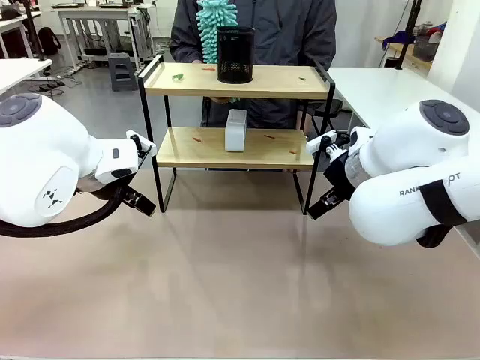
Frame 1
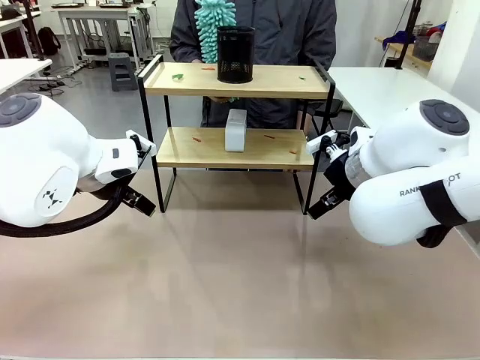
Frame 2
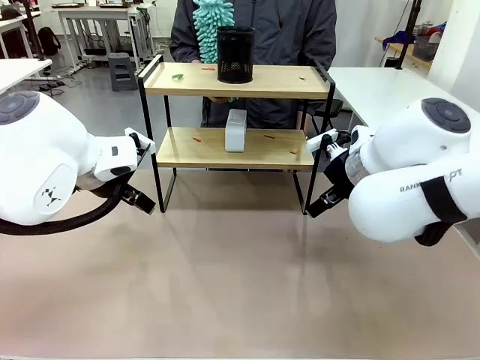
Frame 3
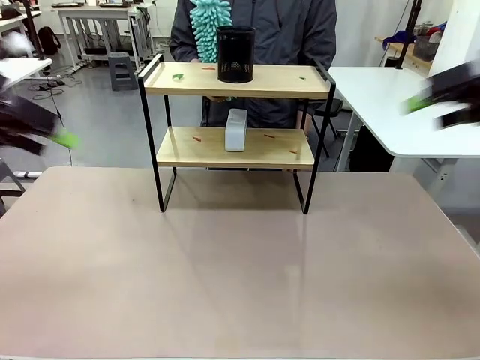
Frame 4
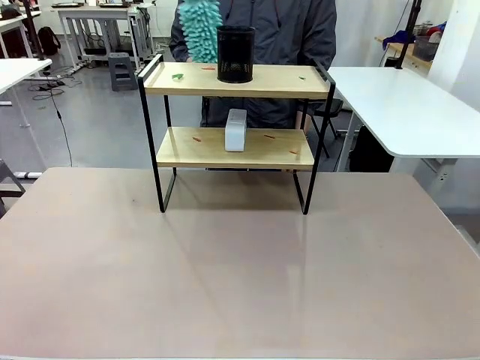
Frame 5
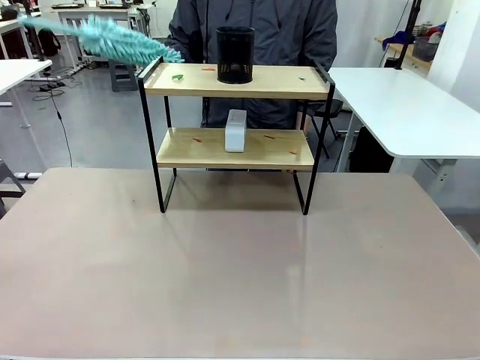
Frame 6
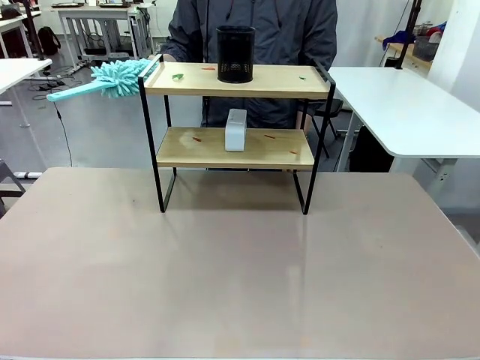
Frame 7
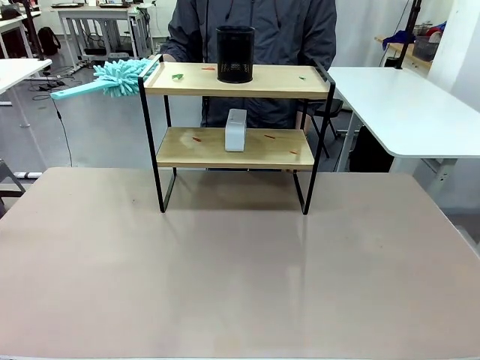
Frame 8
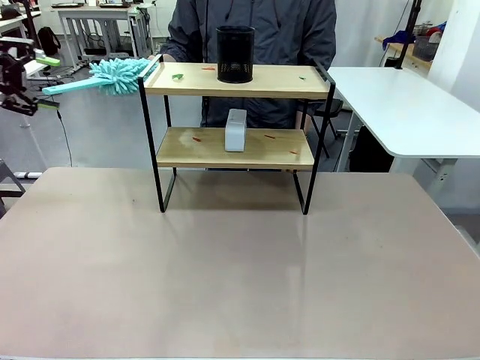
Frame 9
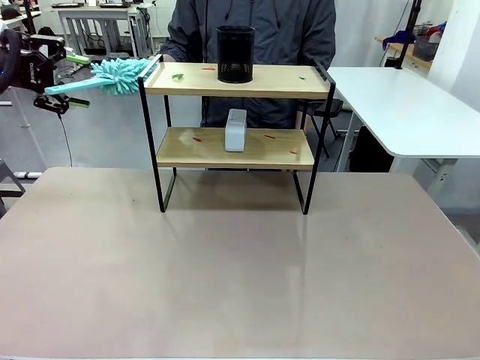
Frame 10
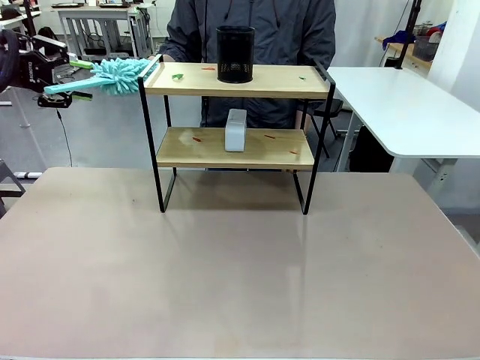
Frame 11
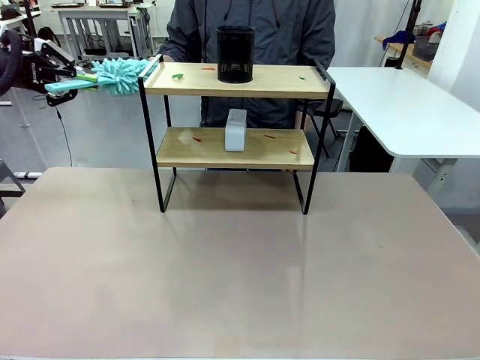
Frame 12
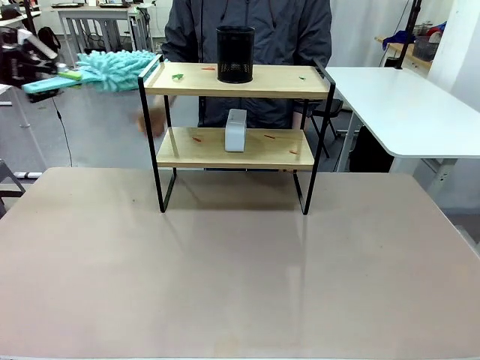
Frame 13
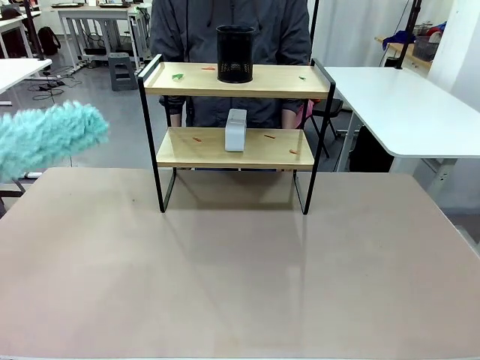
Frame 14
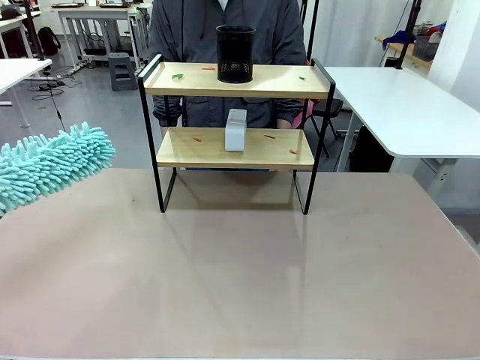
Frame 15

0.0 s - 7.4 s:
Task: Clean the shelf.
Robot: Pick up the Duster from the human.
Person: Hand the Duster to the robot.

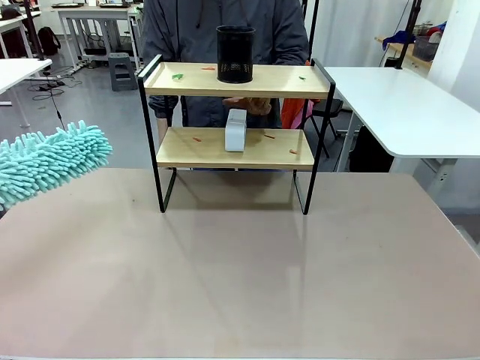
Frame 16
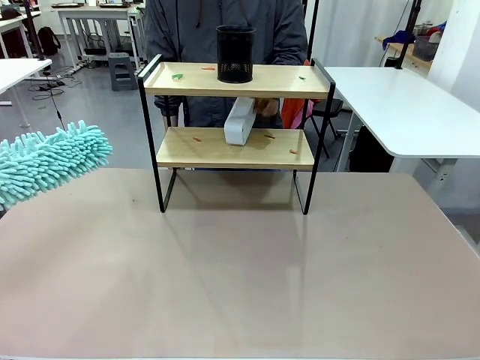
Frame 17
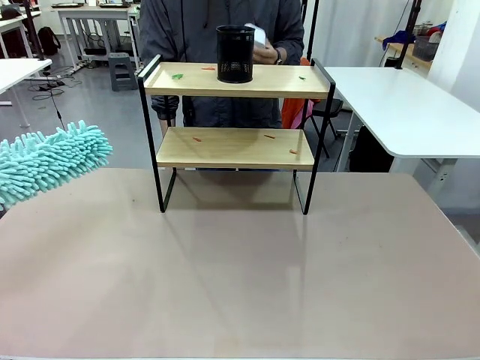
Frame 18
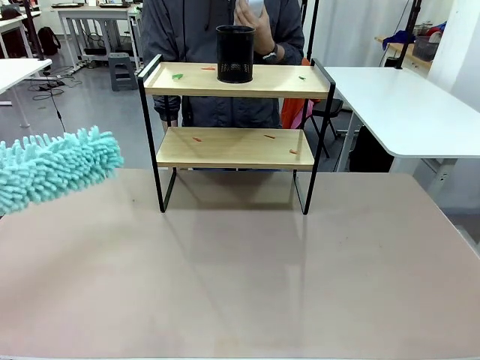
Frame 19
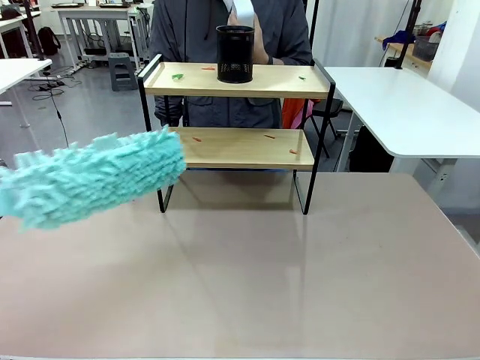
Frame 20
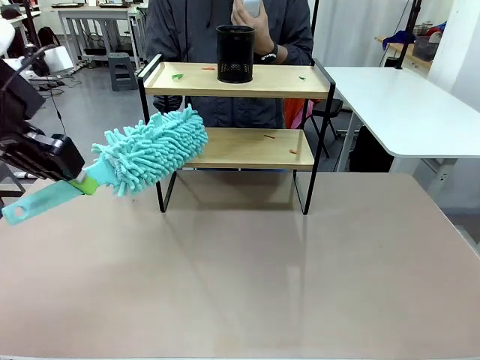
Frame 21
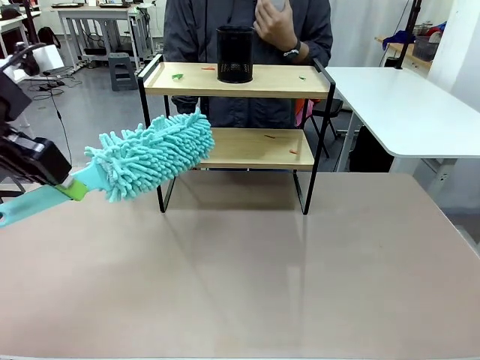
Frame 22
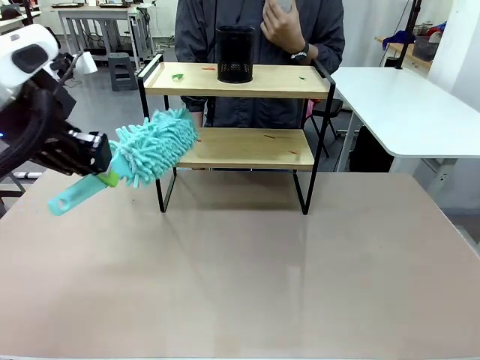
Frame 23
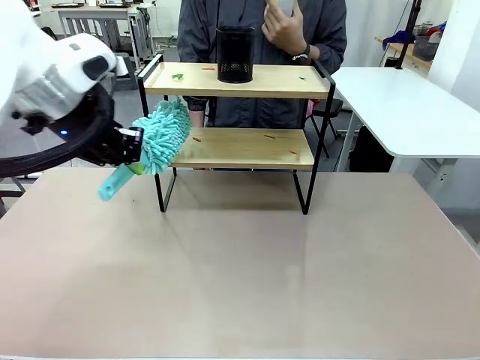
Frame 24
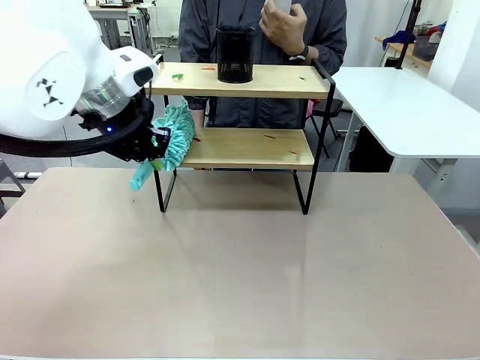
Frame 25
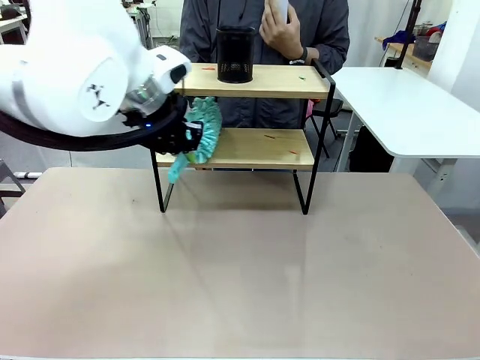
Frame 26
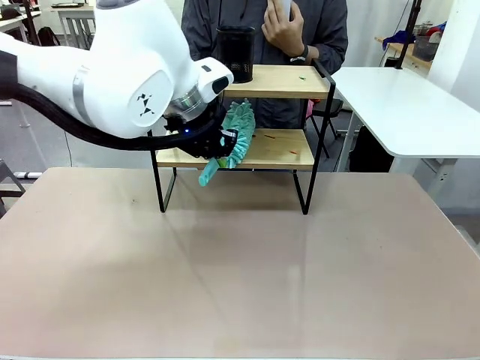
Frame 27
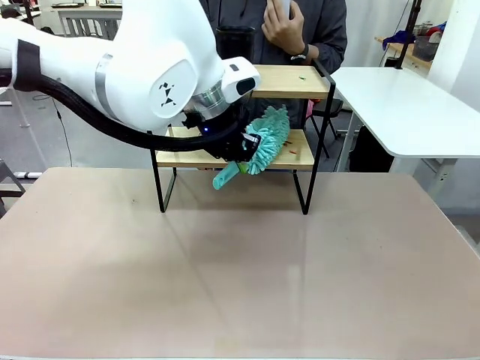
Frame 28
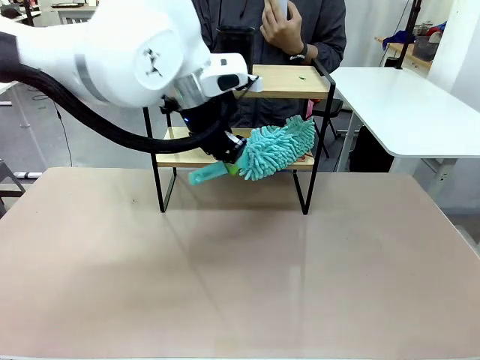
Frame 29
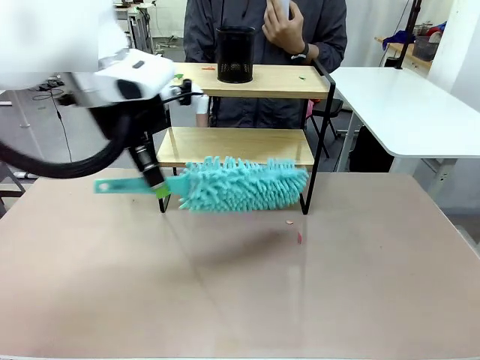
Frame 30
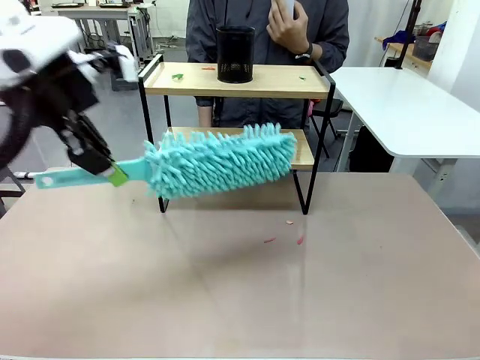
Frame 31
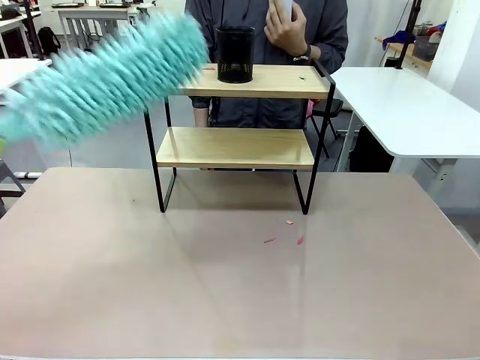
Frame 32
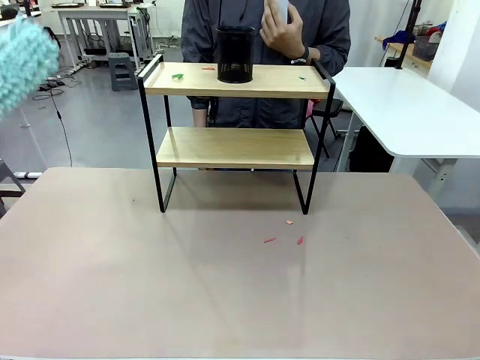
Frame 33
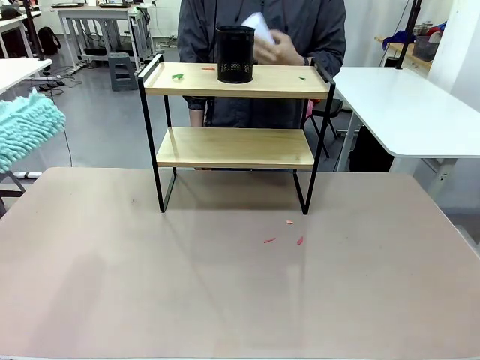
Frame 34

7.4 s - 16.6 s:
Robot: Clean the specific tier of the Shelf with the Duster once objects are removed.
Person: Lift the objects on a randomly selected tier of the Shelf. Once the robot finishes cleaning, lift the objects on the remaining tiers of the Shelf.

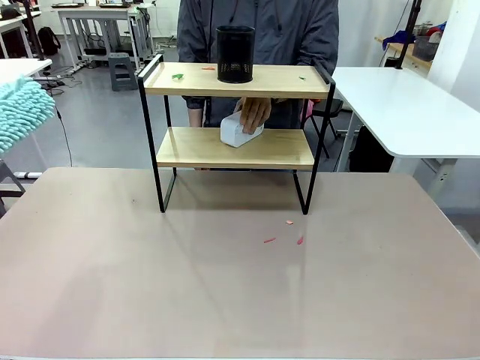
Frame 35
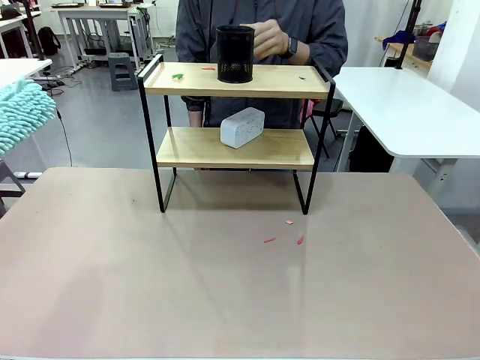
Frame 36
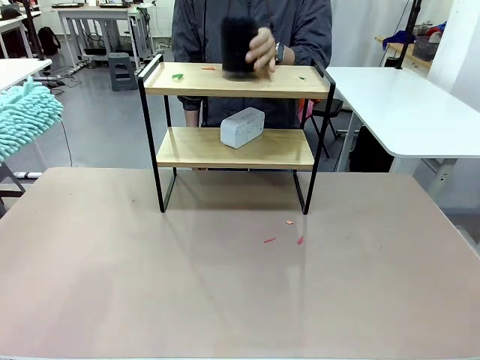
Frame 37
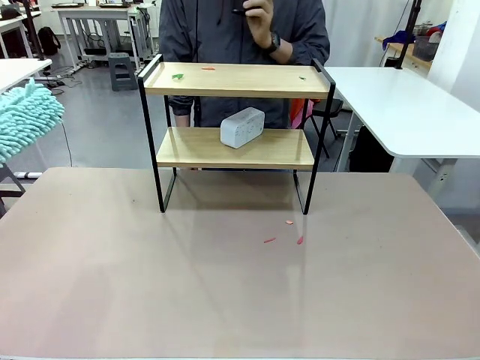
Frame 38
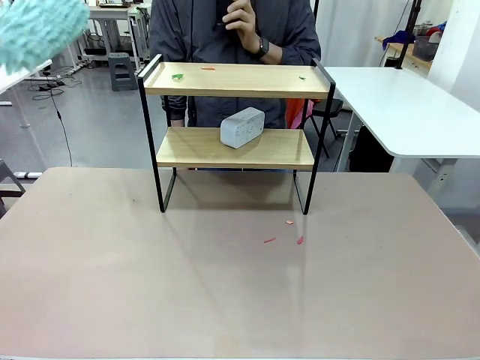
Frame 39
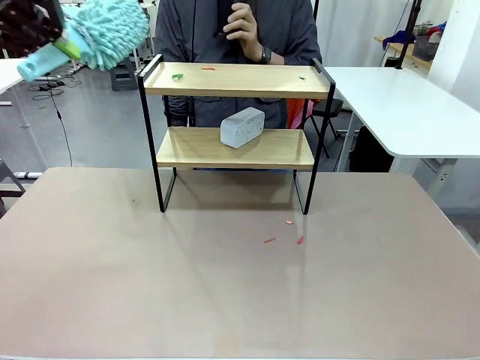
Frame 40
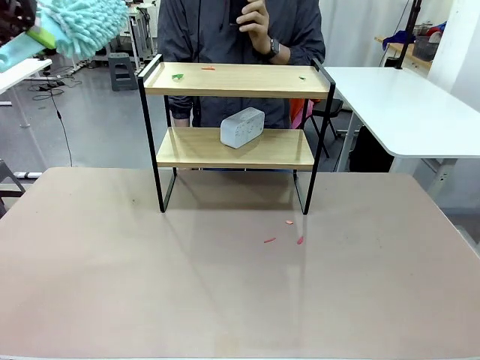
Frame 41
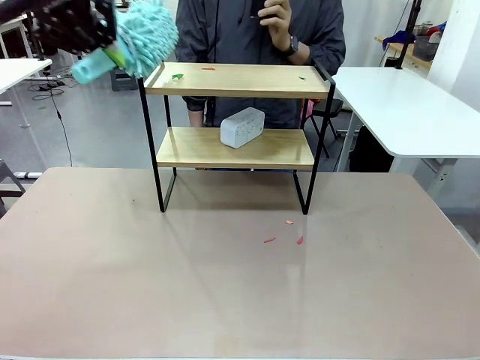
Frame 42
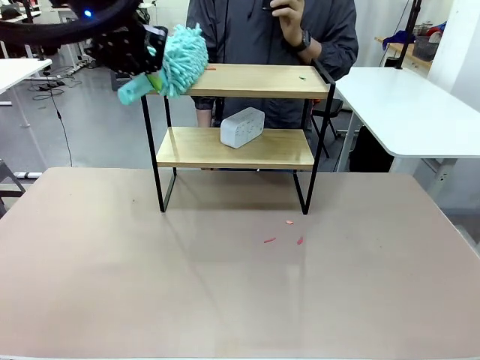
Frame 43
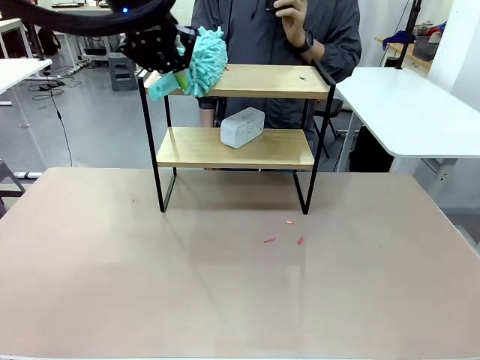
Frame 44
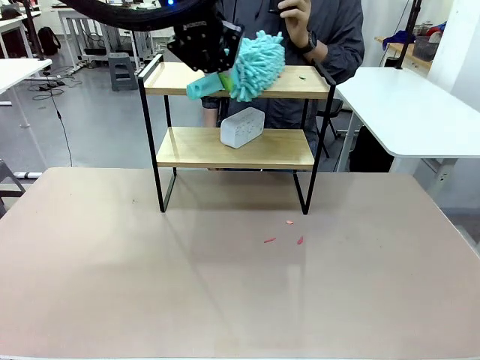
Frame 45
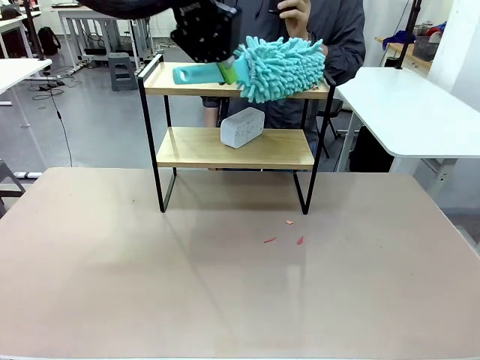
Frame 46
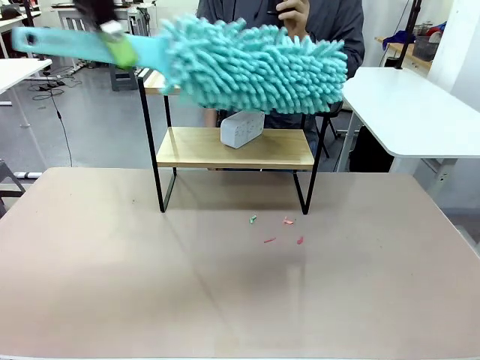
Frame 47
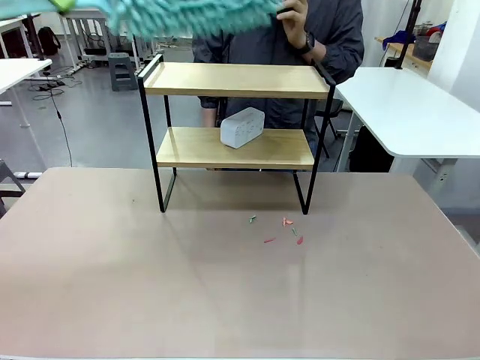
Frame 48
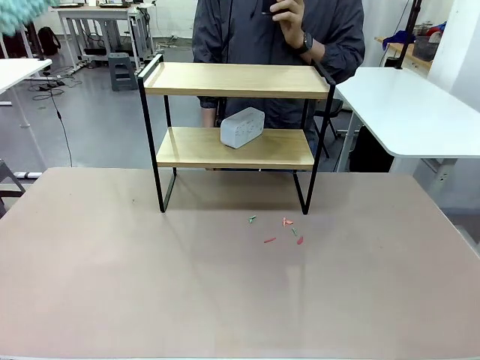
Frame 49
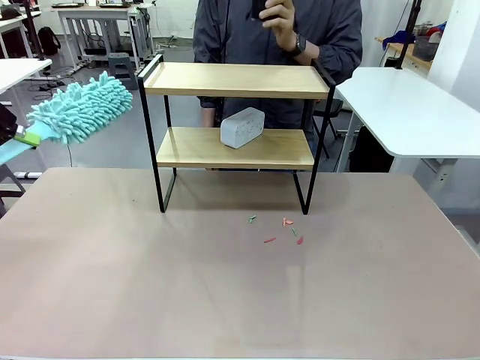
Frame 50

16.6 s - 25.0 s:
Robot: Clean the remaining tier of the Shelf with the Duster once objects are removed.
